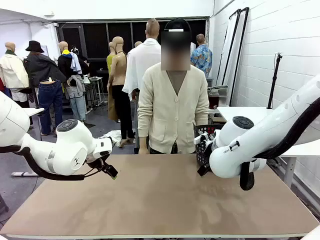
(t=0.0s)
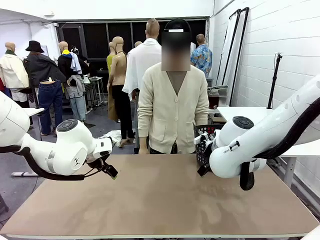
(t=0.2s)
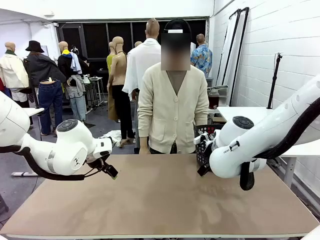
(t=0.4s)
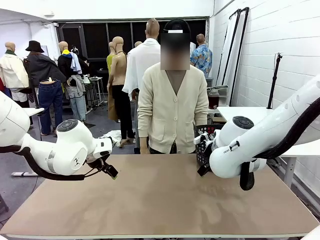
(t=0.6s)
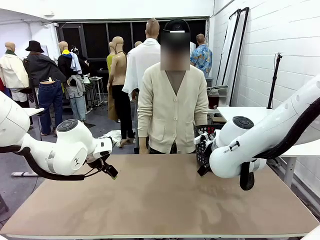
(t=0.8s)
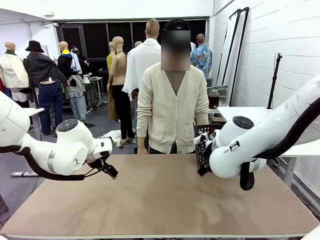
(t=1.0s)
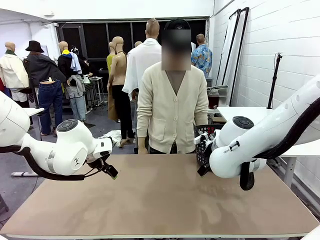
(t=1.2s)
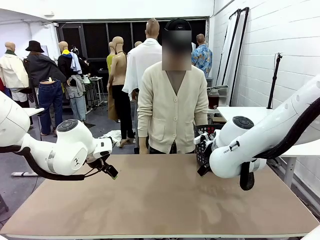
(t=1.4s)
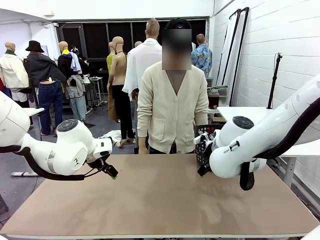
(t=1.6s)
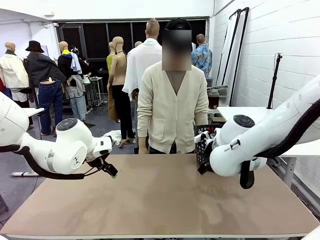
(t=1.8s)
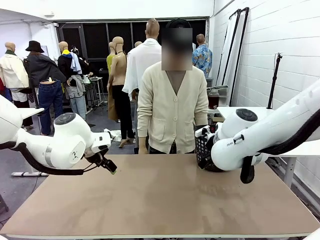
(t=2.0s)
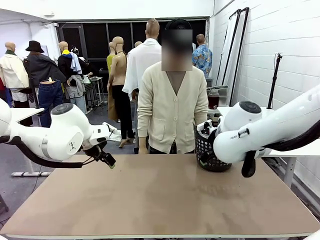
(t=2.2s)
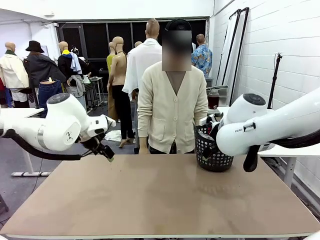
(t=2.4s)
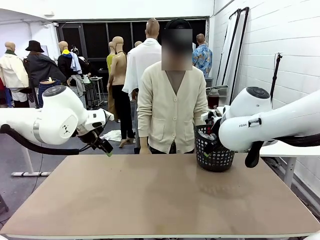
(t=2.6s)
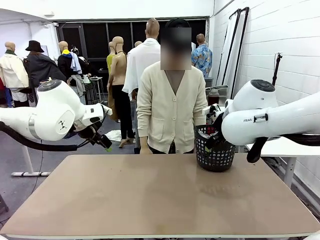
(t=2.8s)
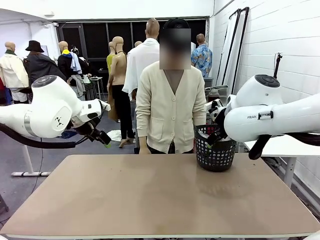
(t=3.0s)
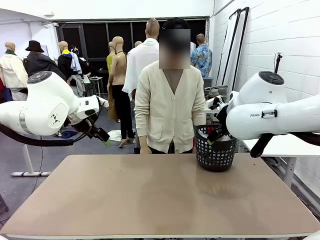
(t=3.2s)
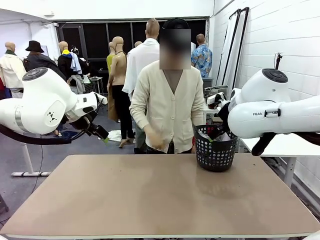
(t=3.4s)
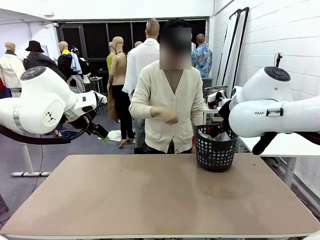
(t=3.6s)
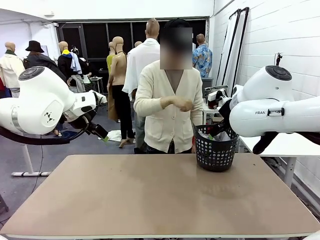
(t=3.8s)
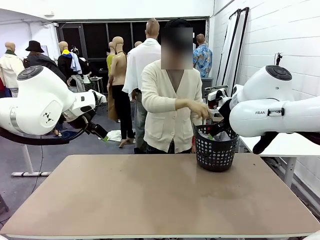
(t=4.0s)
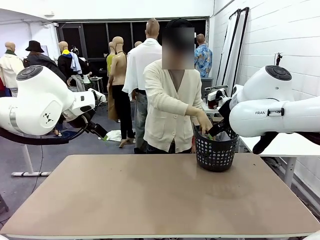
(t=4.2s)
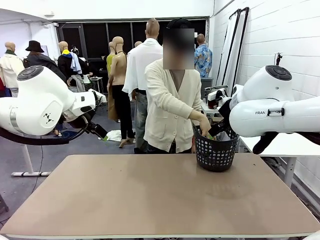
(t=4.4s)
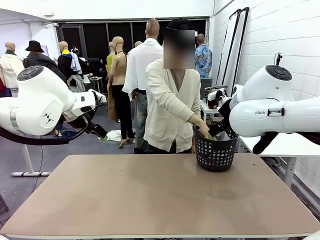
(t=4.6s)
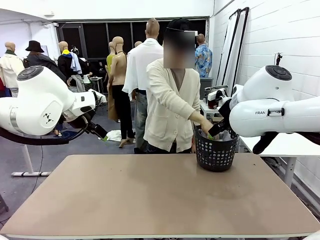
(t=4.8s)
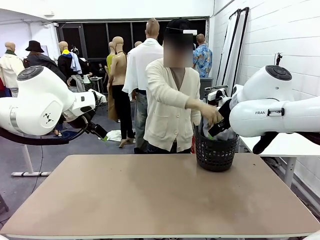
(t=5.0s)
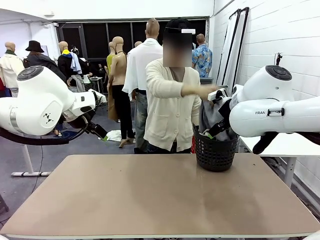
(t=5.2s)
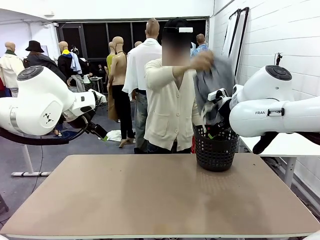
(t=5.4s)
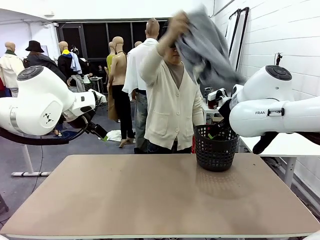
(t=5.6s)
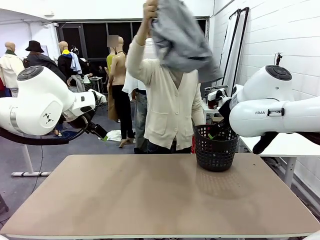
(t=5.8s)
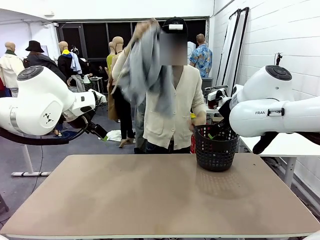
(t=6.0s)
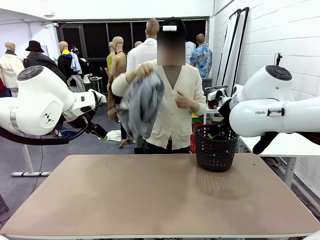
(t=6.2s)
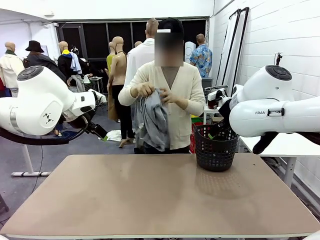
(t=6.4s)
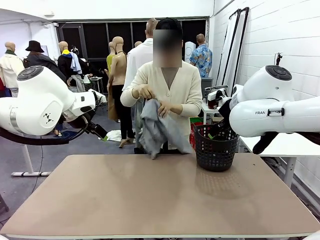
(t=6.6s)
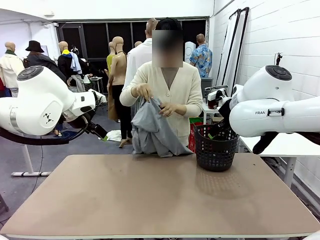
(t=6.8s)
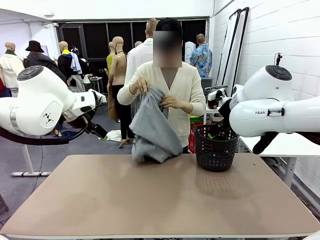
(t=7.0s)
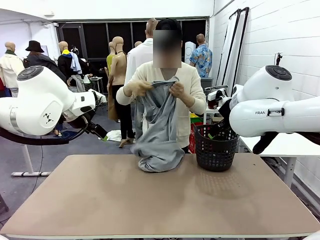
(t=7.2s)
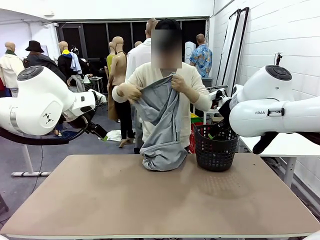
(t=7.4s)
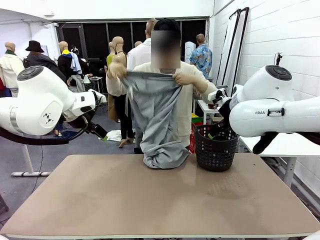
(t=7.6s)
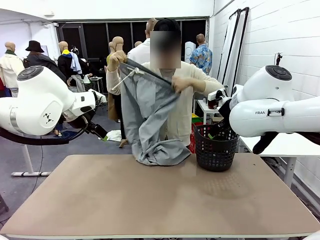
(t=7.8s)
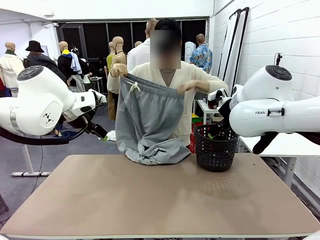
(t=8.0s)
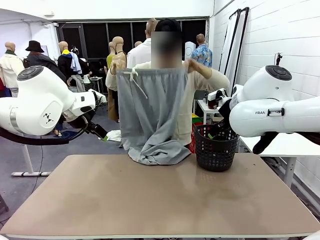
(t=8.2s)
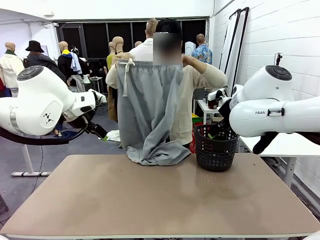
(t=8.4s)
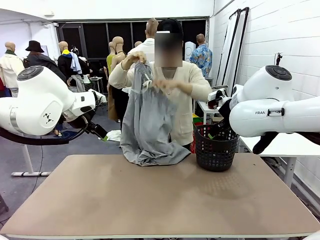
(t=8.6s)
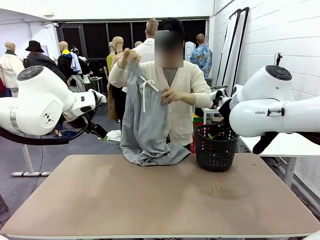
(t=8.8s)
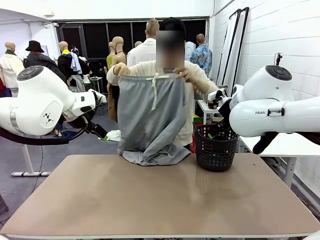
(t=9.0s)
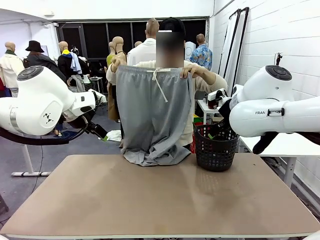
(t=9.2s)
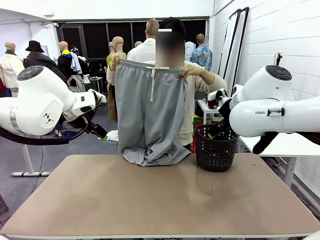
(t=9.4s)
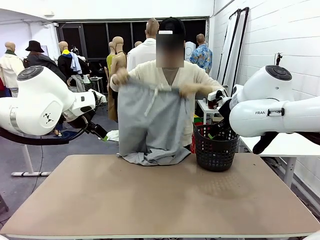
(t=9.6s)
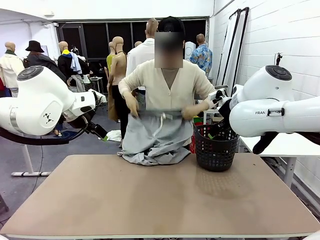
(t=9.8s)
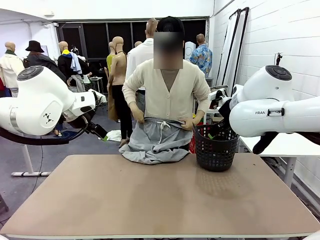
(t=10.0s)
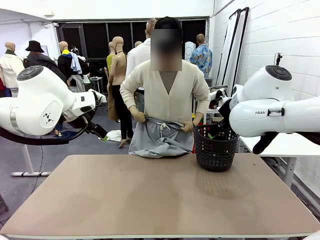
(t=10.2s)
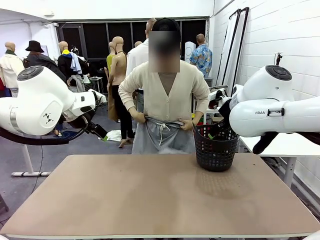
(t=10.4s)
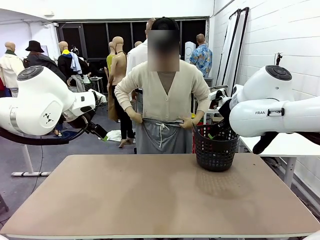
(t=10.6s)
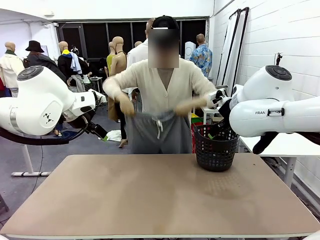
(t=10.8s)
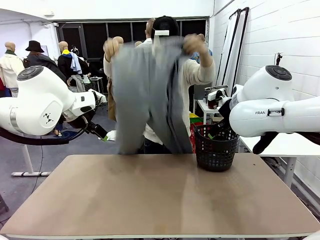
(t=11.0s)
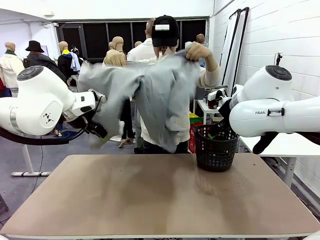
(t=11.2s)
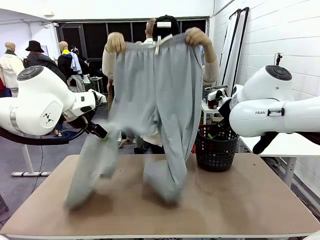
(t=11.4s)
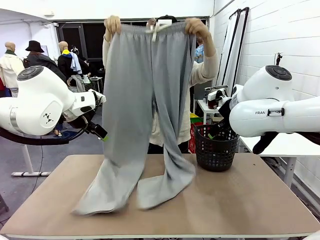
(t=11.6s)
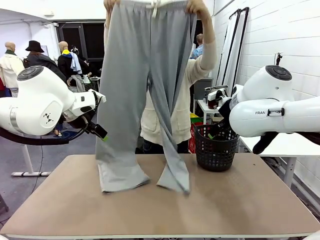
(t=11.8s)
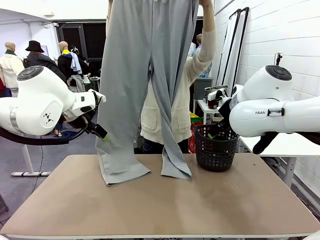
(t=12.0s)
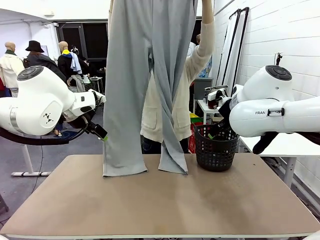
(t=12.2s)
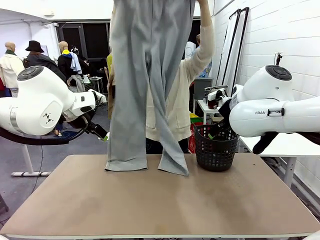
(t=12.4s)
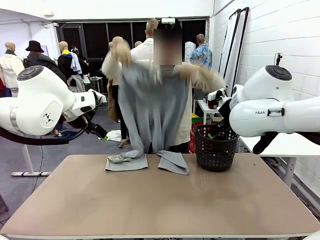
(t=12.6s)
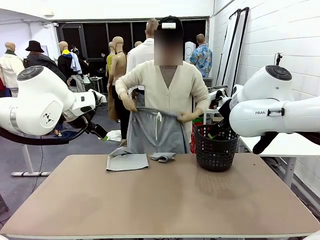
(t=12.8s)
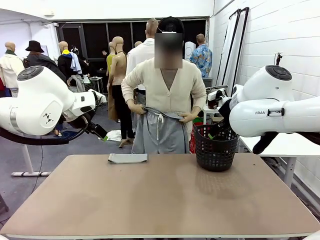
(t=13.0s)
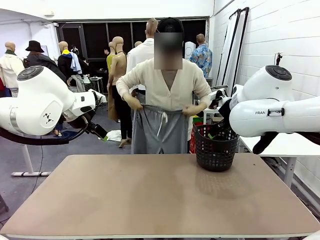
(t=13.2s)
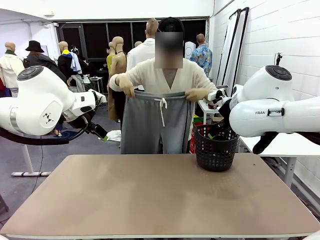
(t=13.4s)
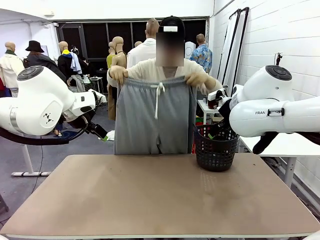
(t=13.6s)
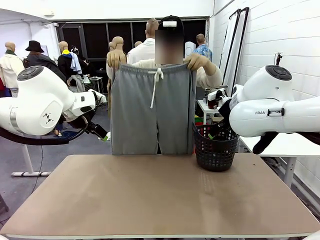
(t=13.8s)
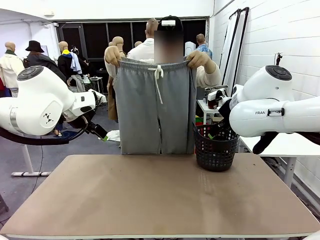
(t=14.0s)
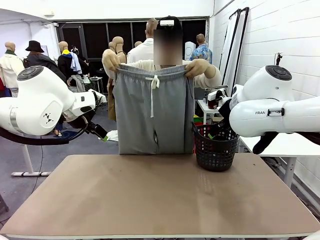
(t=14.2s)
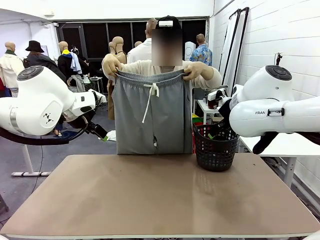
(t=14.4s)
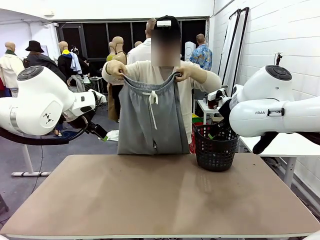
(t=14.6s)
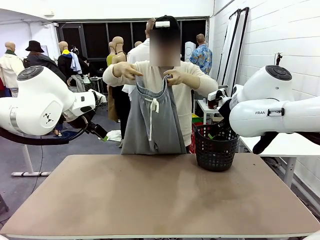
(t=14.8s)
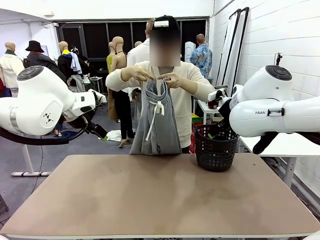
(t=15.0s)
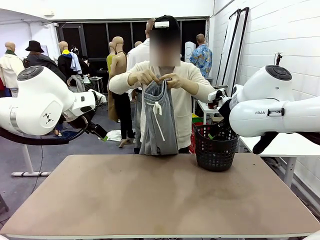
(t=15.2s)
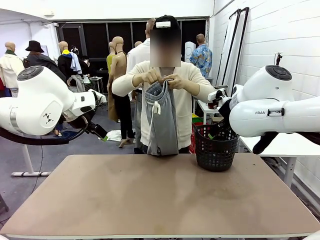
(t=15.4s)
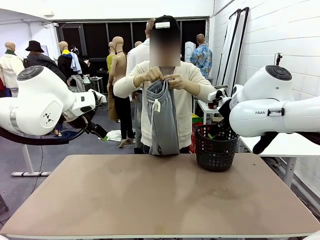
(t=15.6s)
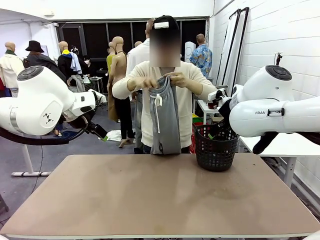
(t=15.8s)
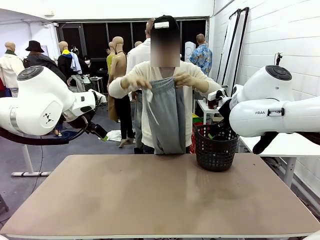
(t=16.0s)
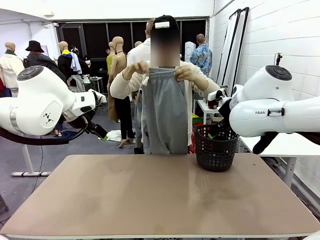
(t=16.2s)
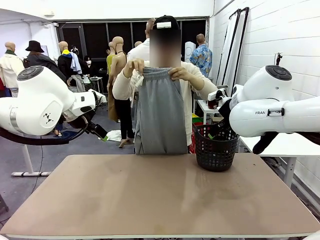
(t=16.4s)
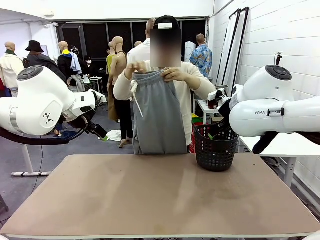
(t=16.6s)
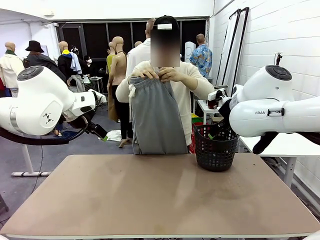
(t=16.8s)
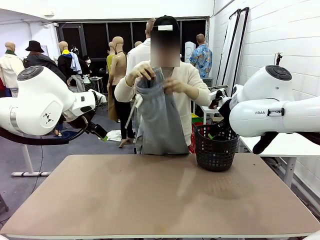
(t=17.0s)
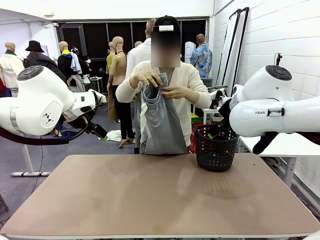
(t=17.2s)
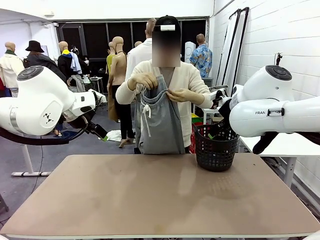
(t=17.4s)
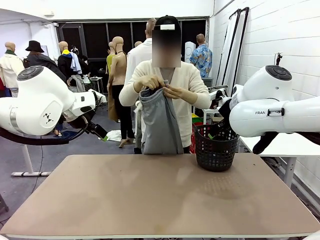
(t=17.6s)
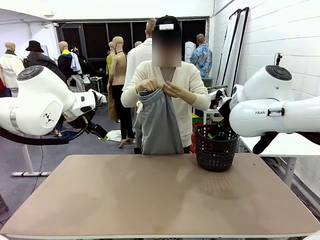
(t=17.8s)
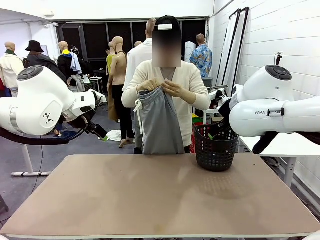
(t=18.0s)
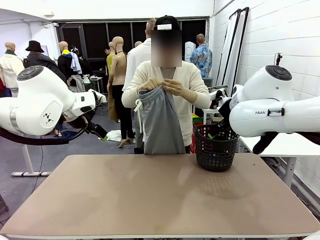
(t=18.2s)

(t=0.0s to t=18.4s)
Task: Fold the training pants.
Robot: Grab both ends of the Training pants handed by a person.
Person: Take the long pants out of the laundry basket, unfold them, fold the waist in half, and extend them so the robot can pick up both corners.
